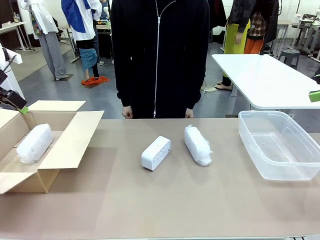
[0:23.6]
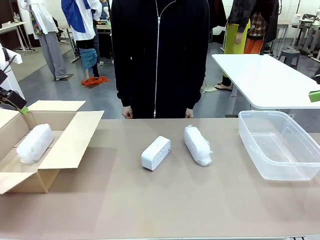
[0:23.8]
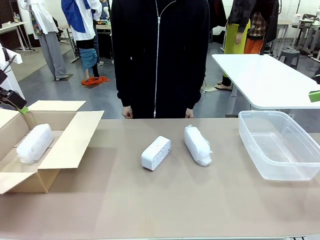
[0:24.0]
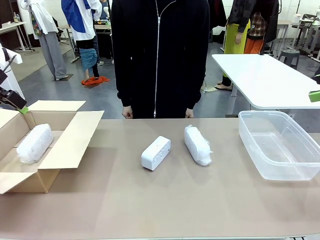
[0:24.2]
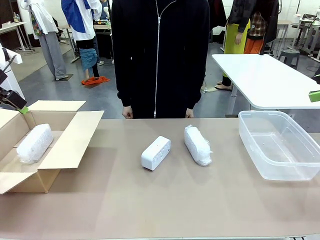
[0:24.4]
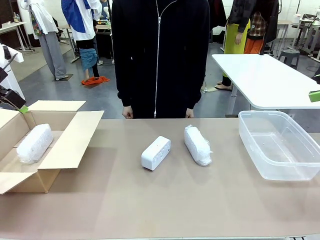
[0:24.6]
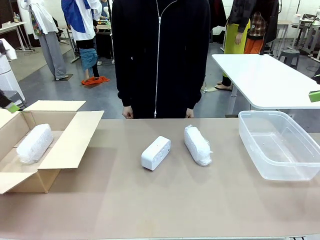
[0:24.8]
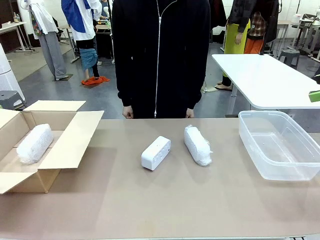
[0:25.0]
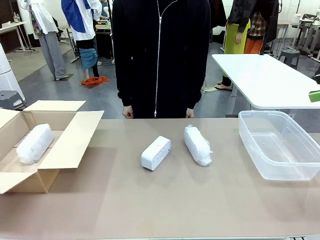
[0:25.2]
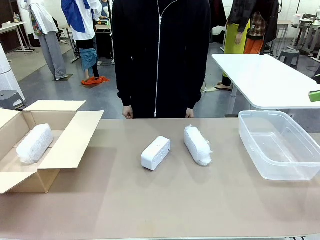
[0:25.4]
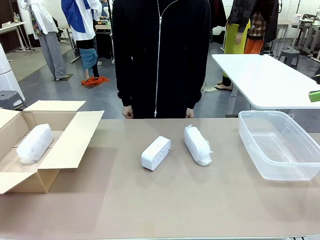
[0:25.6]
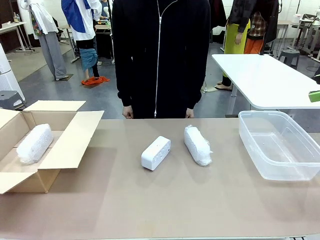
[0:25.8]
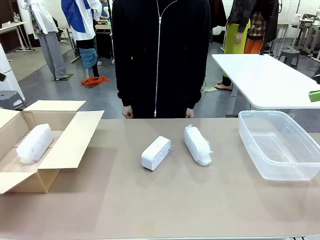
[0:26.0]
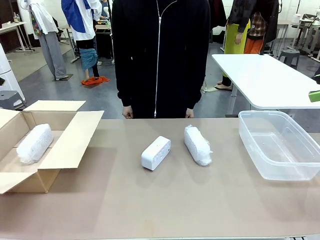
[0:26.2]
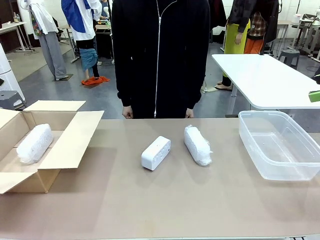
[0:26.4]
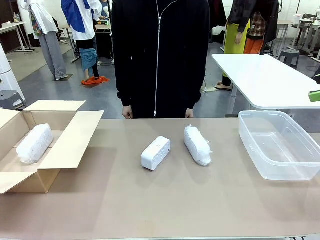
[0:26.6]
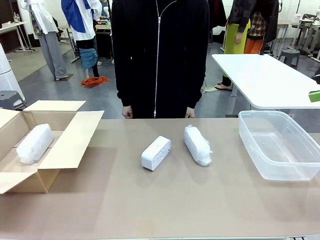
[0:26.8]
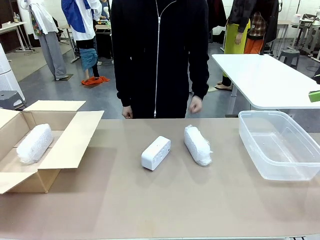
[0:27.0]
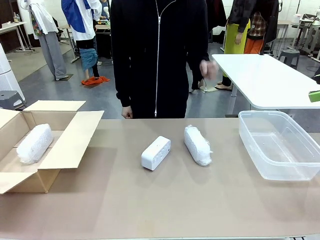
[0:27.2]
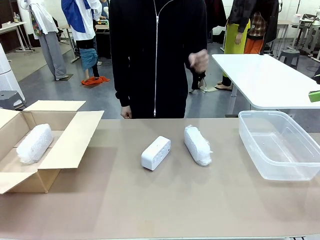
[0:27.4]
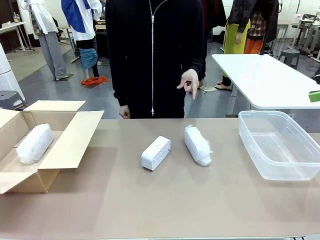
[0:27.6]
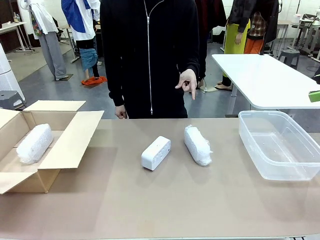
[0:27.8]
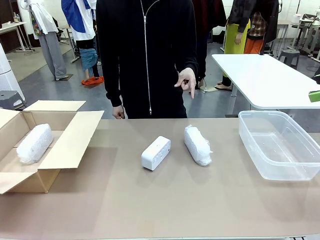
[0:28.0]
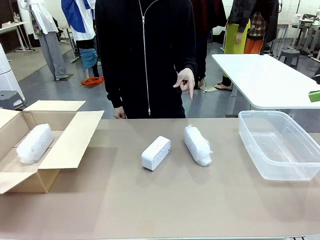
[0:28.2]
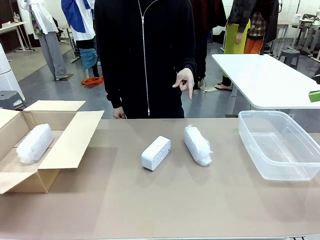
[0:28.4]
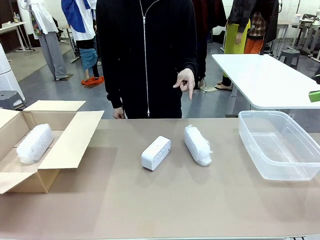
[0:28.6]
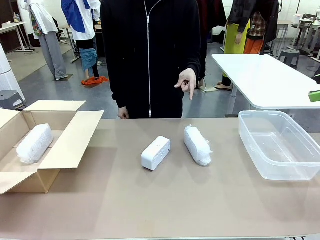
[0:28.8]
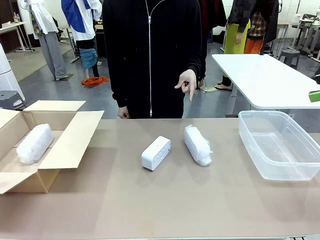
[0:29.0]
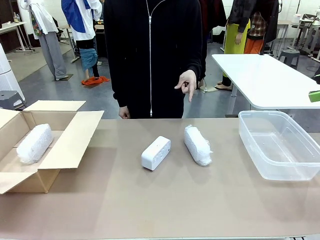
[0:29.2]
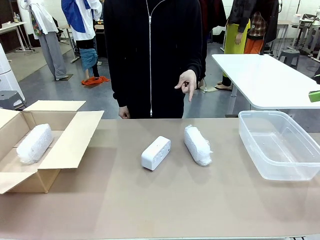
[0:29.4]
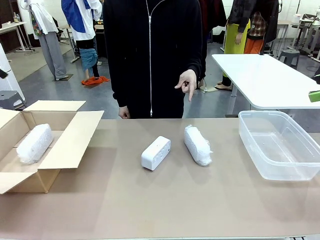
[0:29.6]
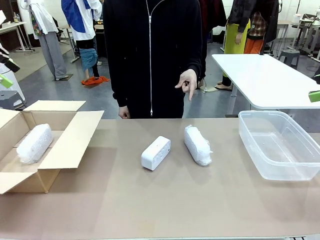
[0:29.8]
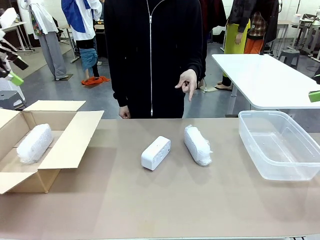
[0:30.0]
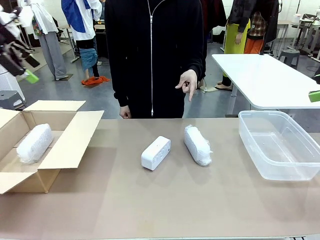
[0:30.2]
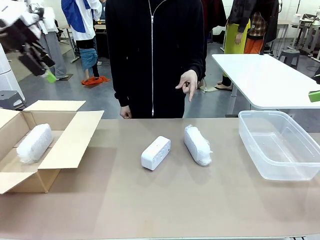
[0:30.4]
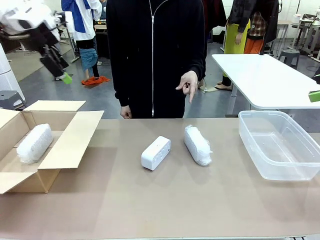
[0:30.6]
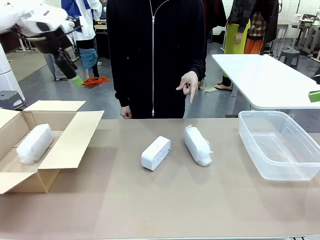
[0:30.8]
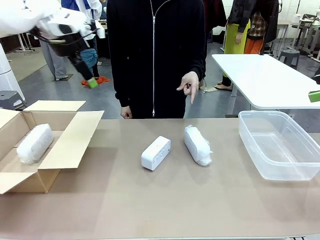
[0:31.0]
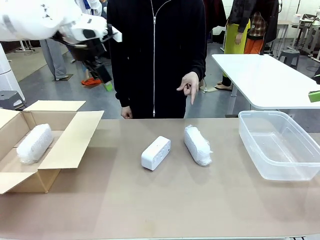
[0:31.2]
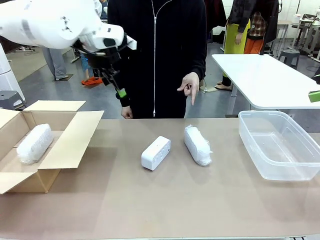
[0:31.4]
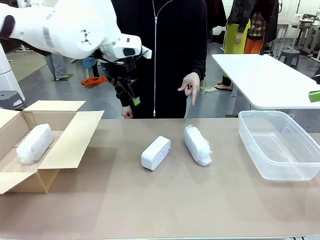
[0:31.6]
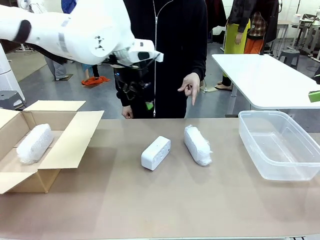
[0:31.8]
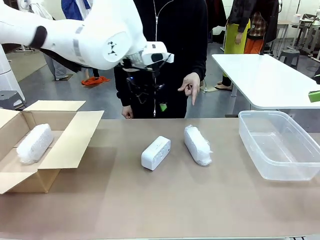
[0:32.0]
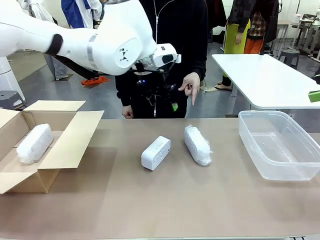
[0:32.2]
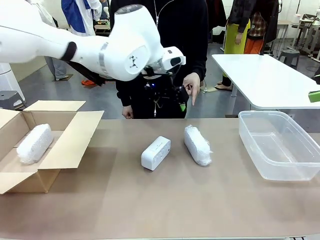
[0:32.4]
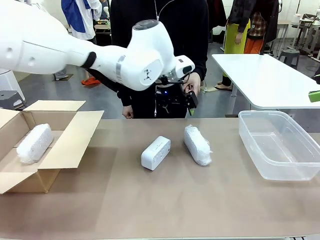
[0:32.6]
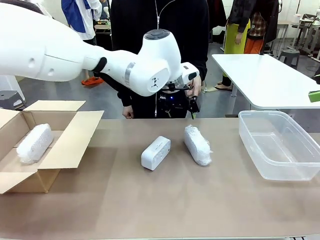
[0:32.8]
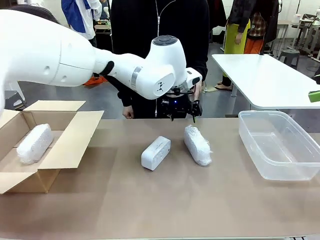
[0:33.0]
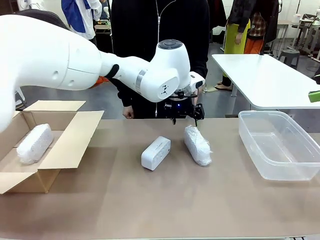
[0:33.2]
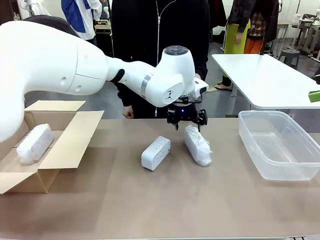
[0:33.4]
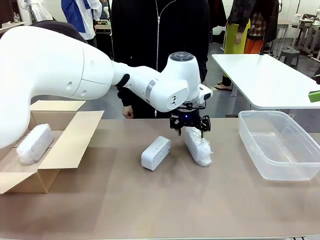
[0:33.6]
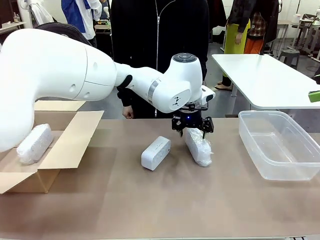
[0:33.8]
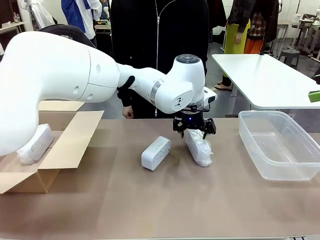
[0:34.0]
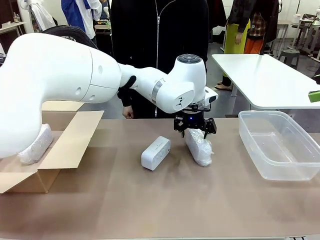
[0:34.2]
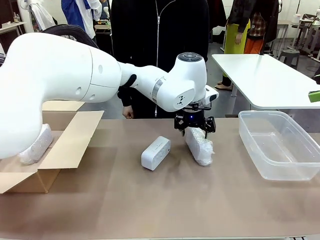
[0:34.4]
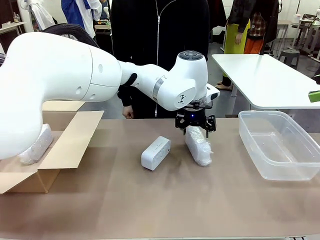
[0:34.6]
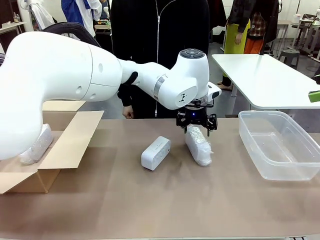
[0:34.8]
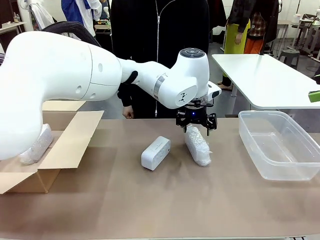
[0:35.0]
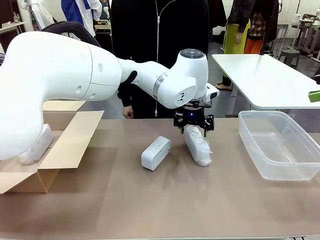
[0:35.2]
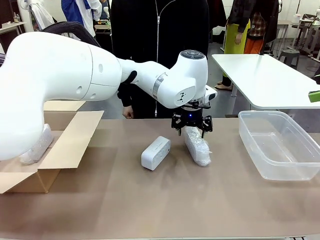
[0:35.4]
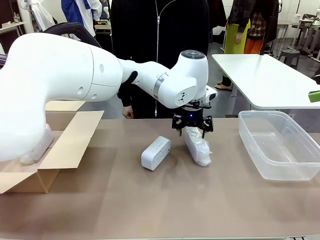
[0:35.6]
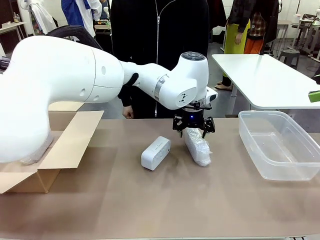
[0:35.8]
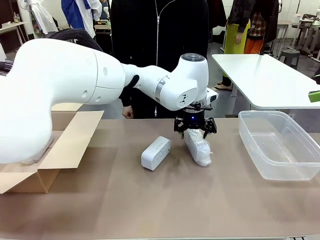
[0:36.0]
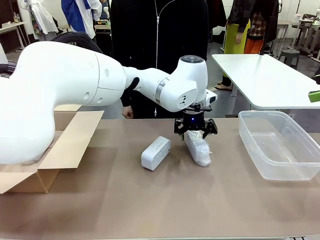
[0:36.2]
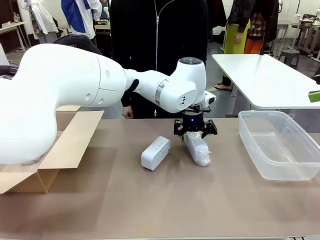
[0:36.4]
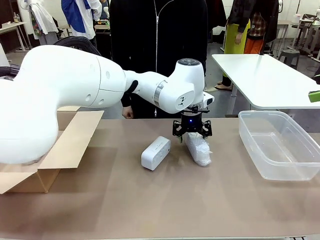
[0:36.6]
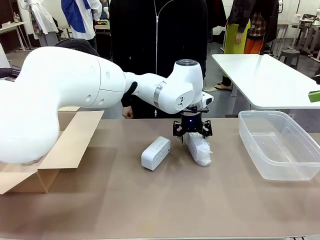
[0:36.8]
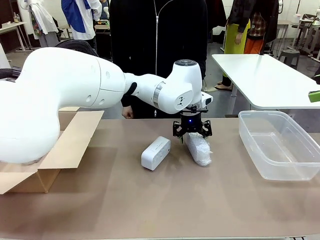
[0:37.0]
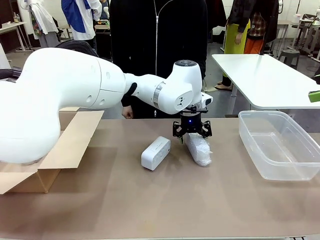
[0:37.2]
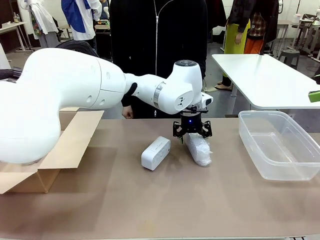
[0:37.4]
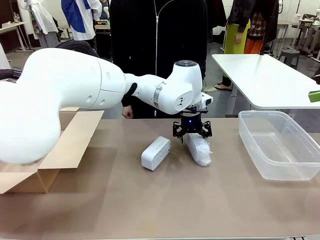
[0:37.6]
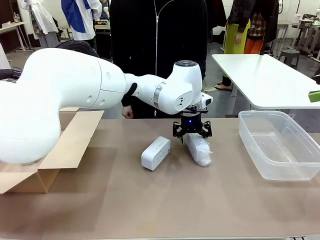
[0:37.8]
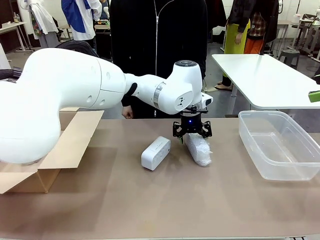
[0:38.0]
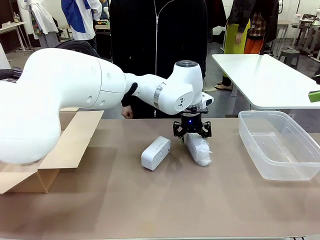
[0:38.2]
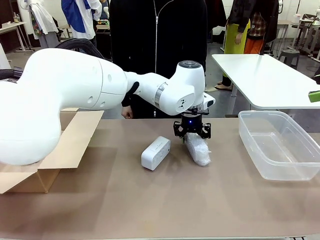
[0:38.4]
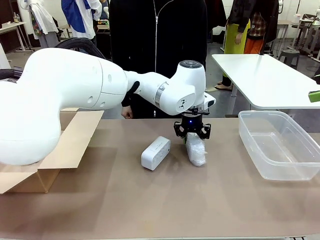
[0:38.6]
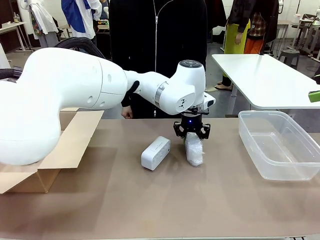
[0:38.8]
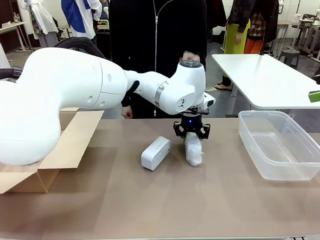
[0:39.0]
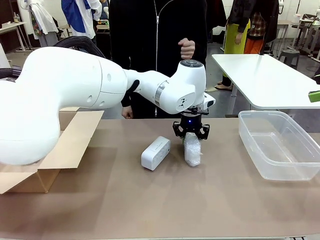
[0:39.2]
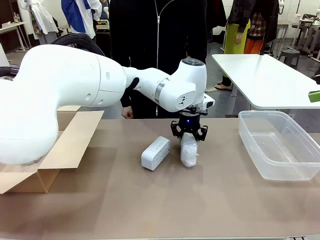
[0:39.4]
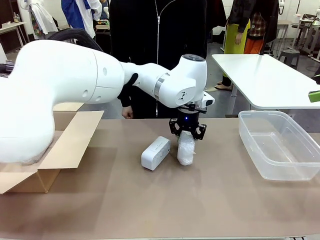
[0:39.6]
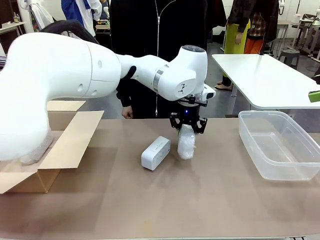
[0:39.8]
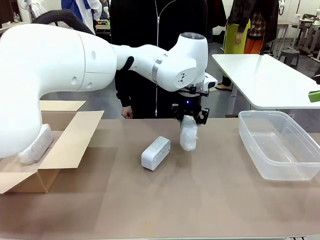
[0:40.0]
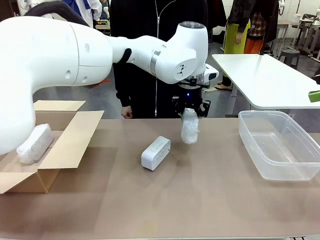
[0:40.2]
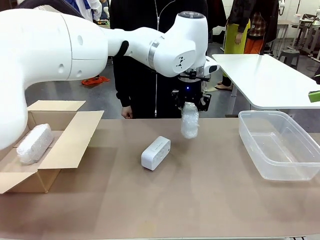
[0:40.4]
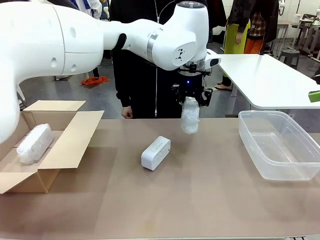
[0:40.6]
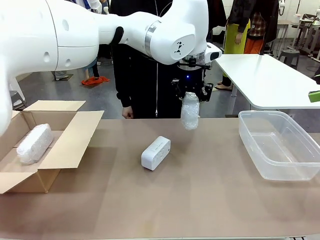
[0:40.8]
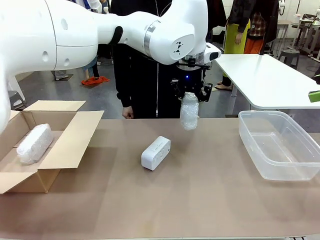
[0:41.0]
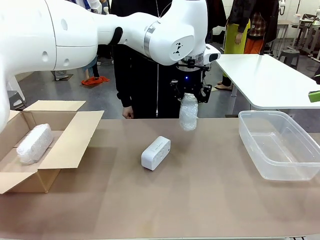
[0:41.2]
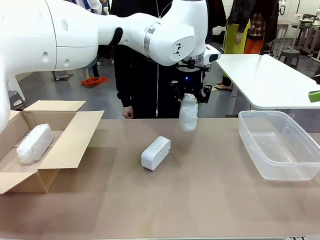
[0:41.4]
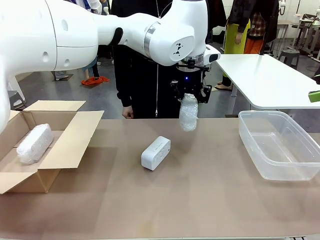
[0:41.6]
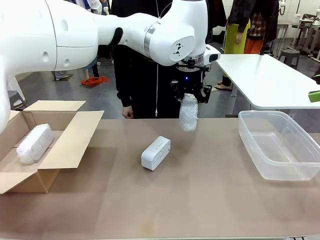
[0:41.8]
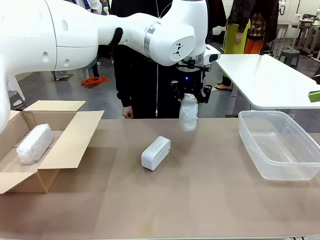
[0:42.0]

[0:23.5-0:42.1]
Task: Separate and place wrapped and unwrapped clocks.
Robot: Pick up the Digital clock indicated by the person.
